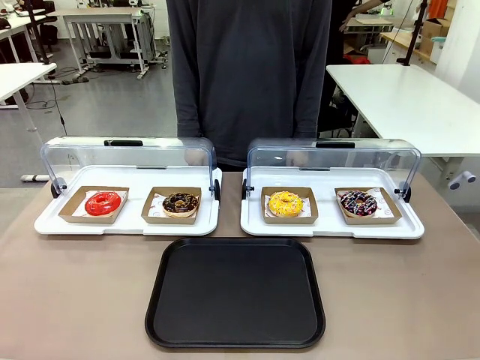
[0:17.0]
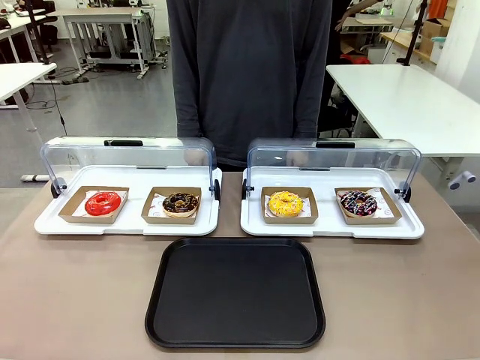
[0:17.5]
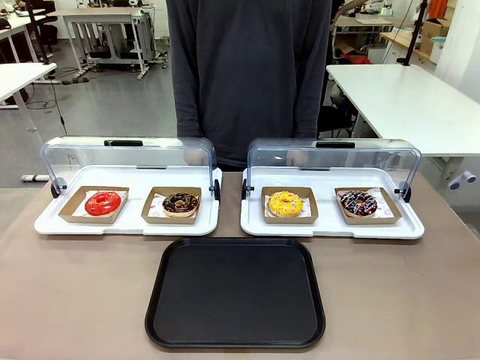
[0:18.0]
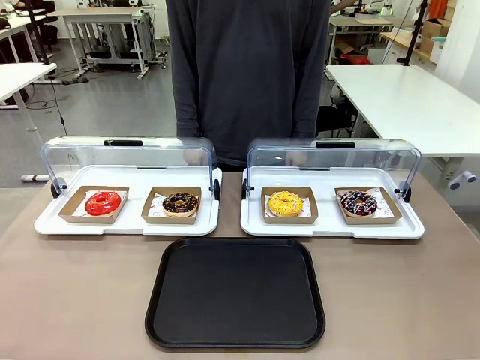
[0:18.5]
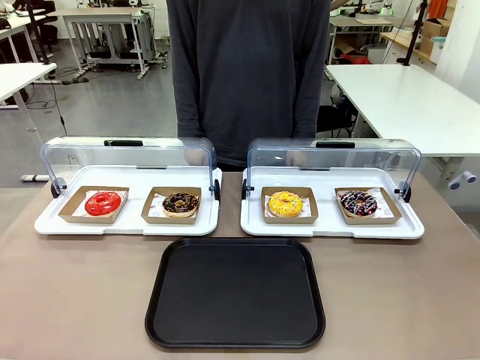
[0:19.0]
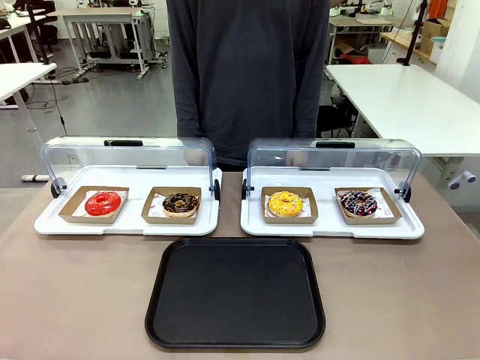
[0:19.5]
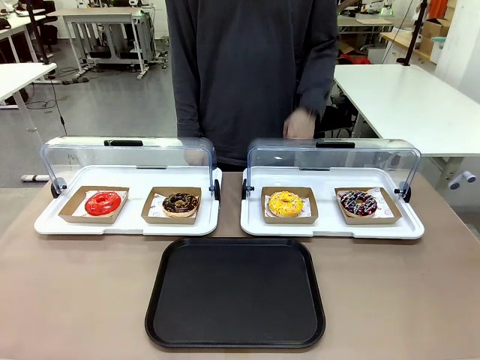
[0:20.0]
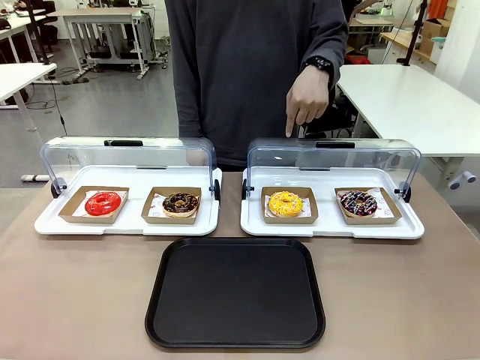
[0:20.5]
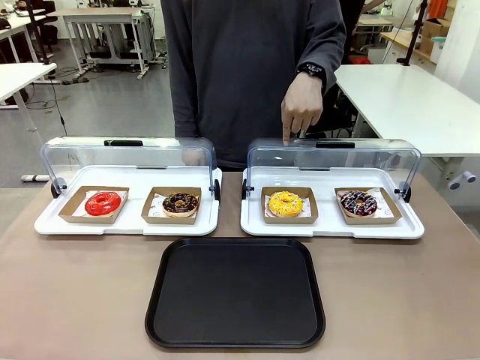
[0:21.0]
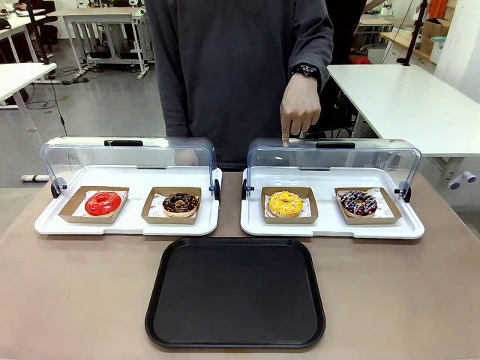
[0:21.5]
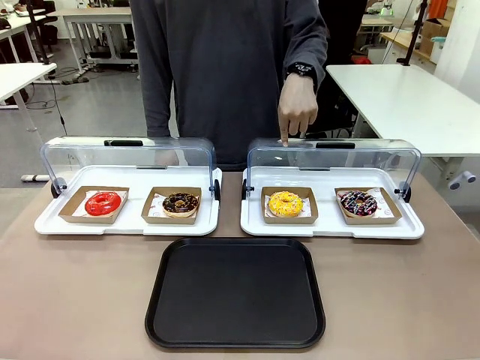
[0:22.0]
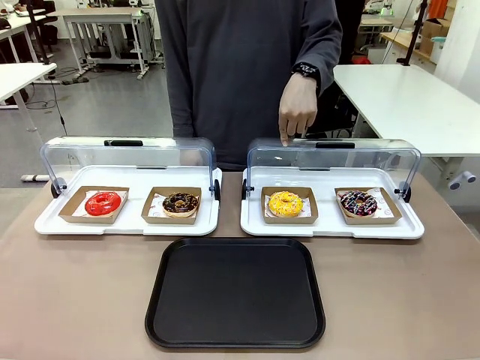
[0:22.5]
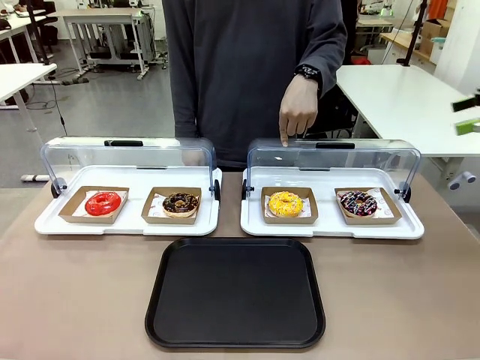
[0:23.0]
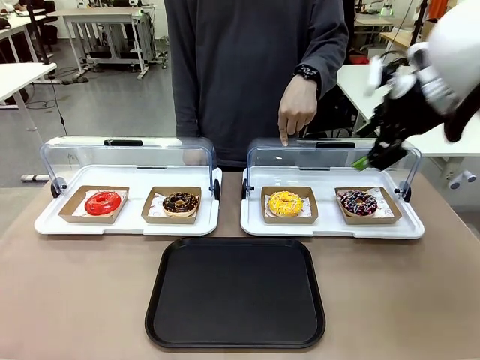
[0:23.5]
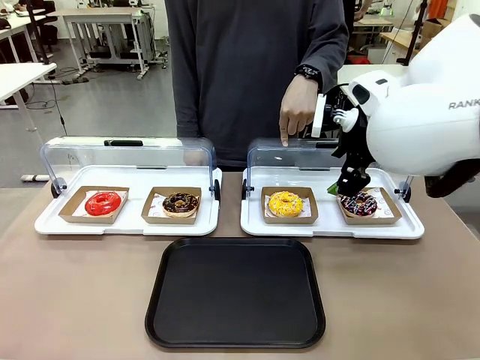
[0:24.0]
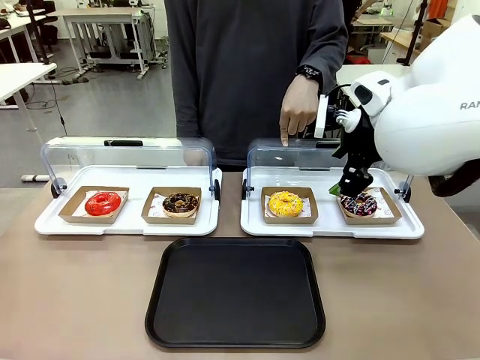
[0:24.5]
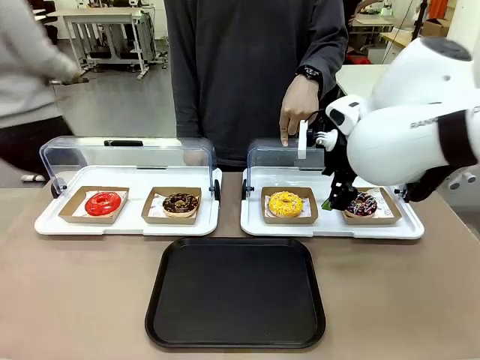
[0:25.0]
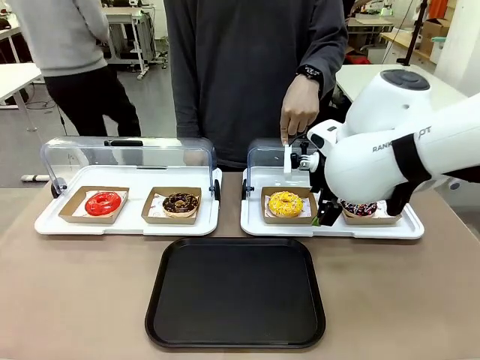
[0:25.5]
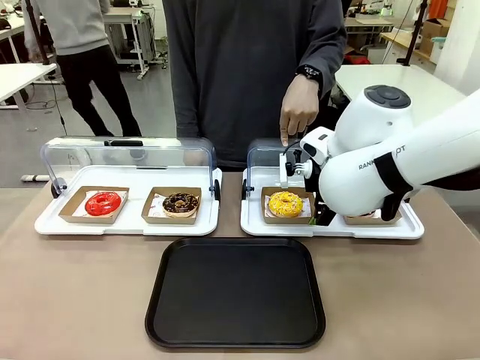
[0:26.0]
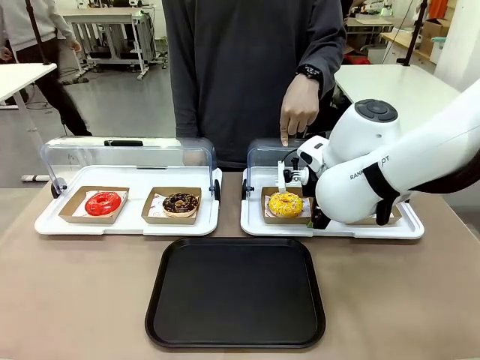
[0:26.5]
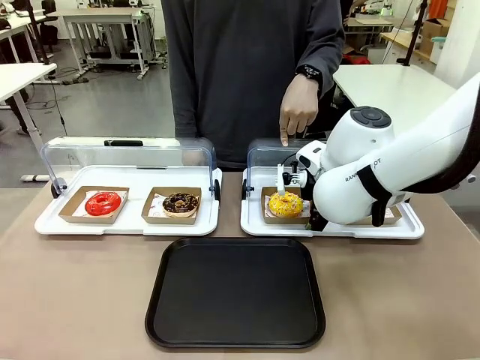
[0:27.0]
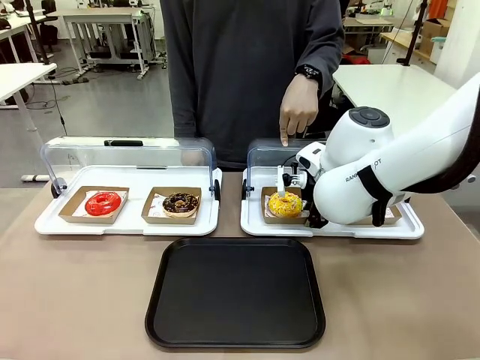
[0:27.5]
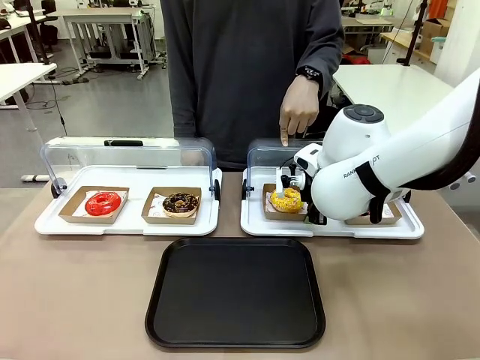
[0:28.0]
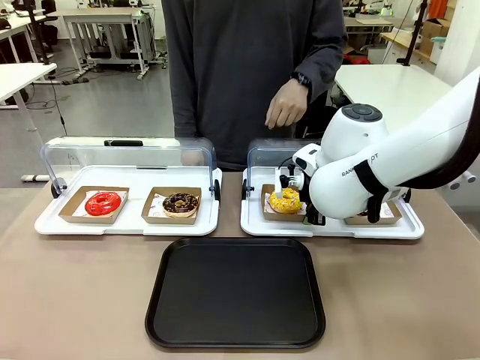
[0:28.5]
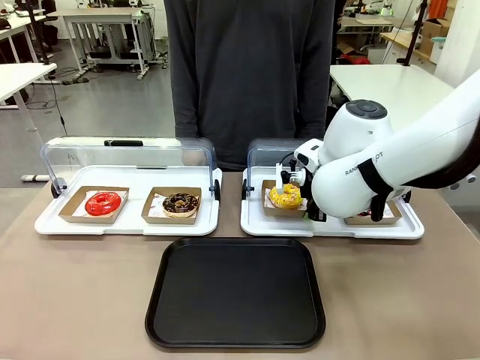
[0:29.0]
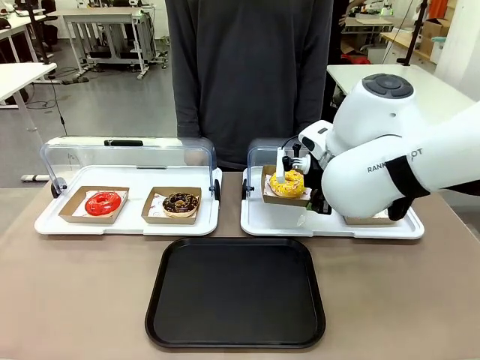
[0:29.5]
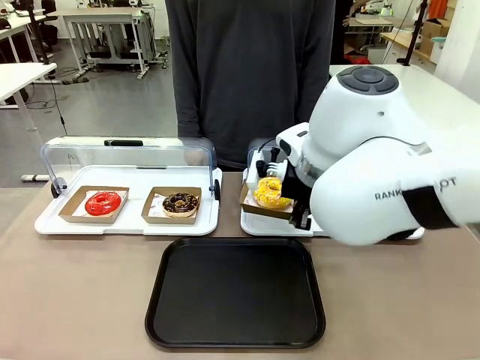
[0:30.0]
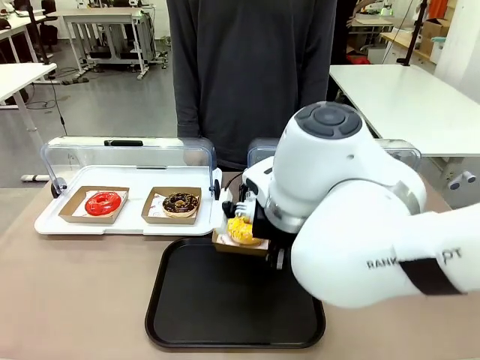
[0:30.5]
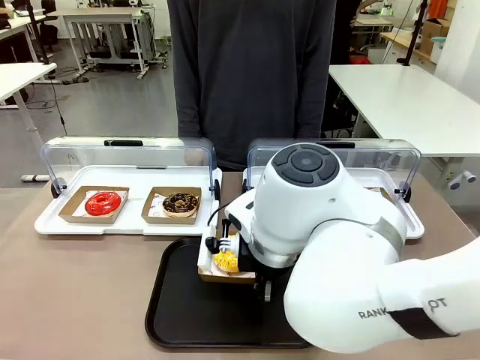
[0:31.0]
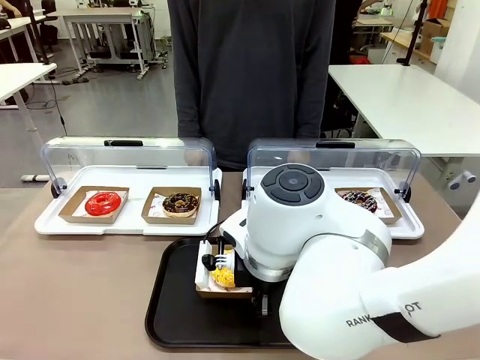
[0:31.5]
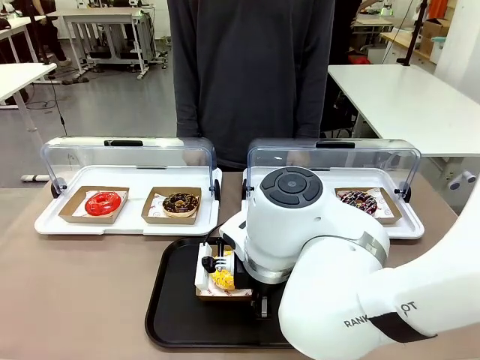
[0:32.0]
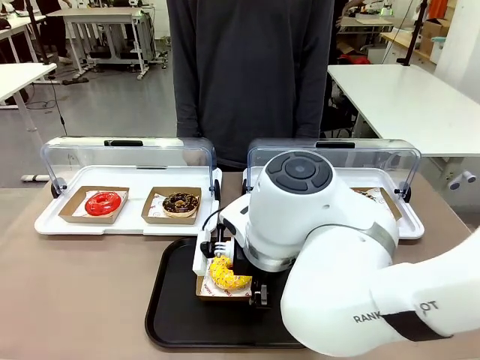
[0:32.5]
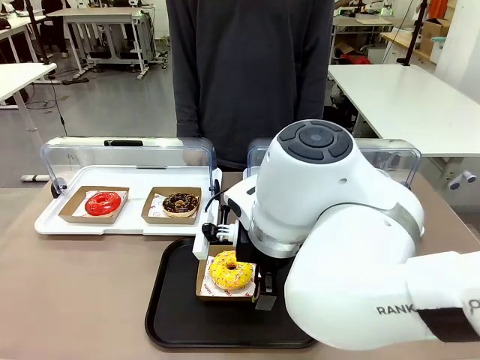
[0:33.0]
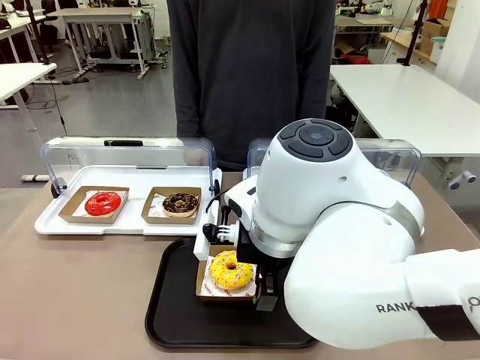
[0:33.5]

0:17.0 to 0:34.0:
Task: Move the third donut from the left to the tray.
Robot: Pick up the Paper togo box containing the Donut indicated by the person and place it on the Handle tray.

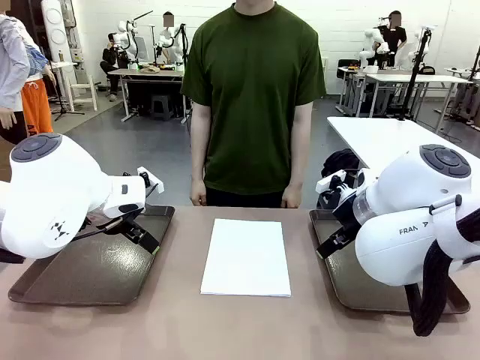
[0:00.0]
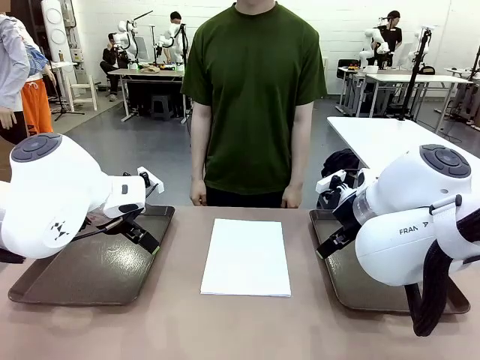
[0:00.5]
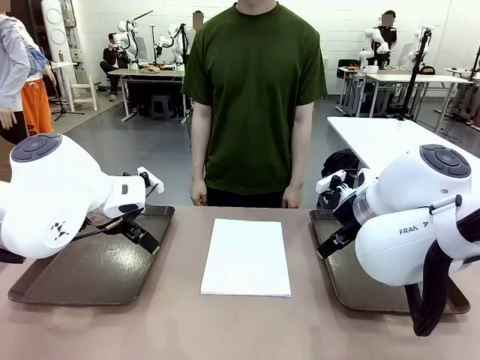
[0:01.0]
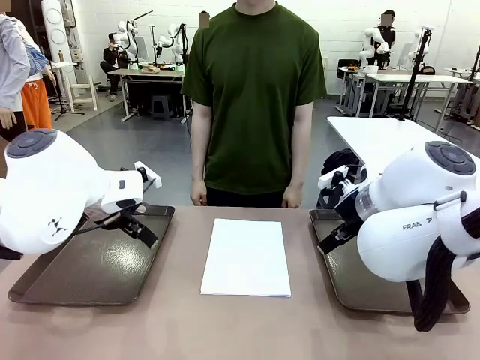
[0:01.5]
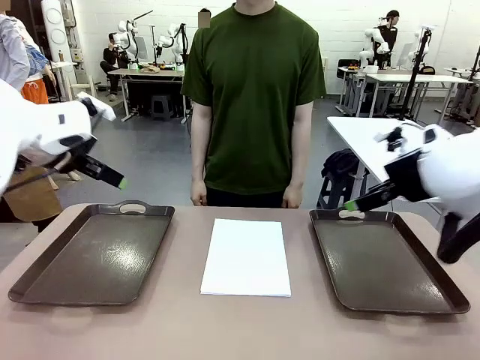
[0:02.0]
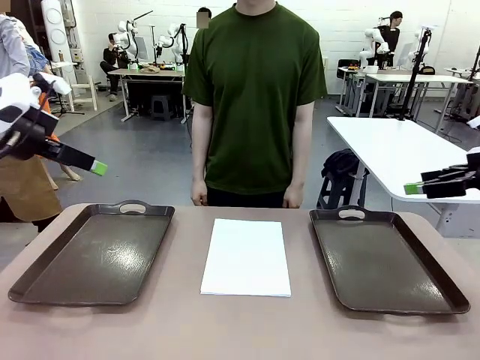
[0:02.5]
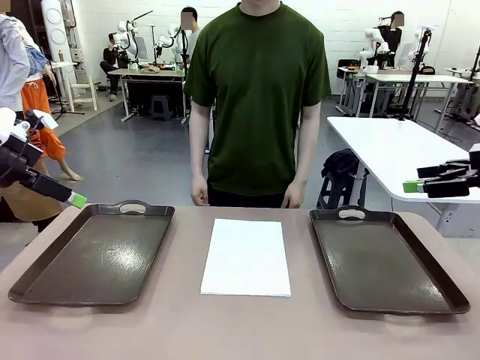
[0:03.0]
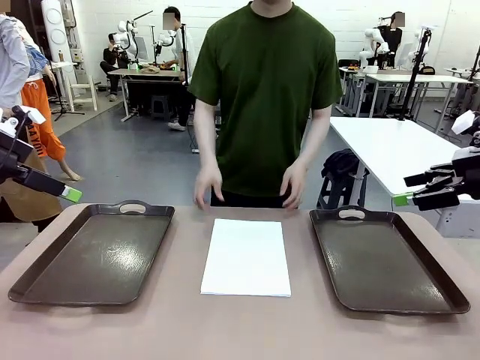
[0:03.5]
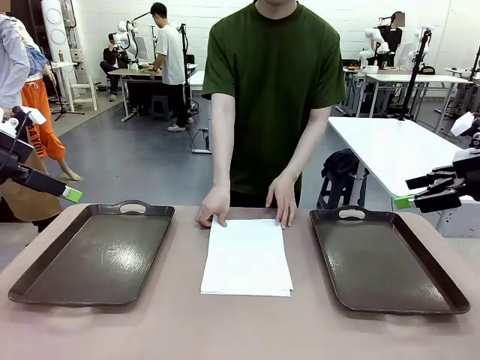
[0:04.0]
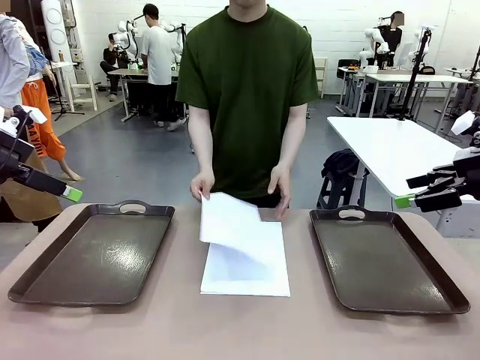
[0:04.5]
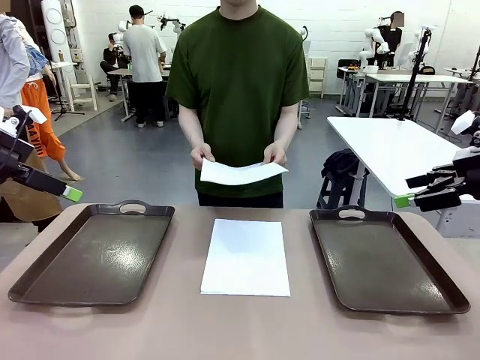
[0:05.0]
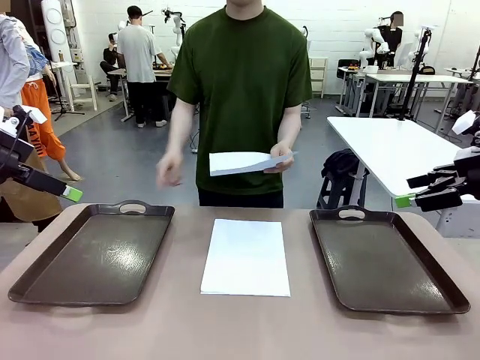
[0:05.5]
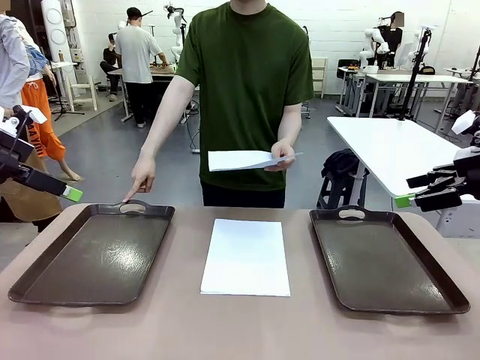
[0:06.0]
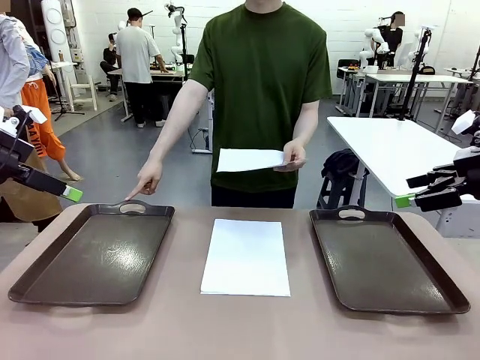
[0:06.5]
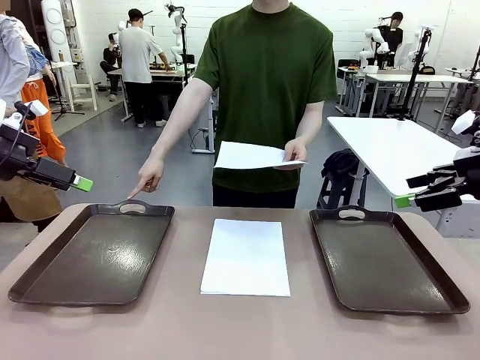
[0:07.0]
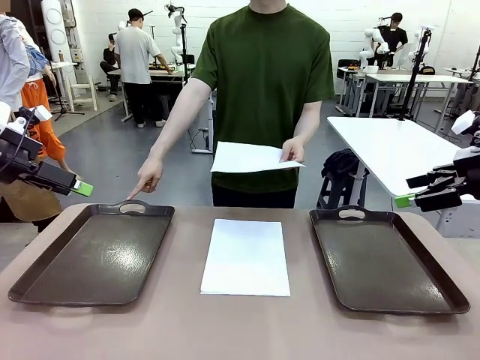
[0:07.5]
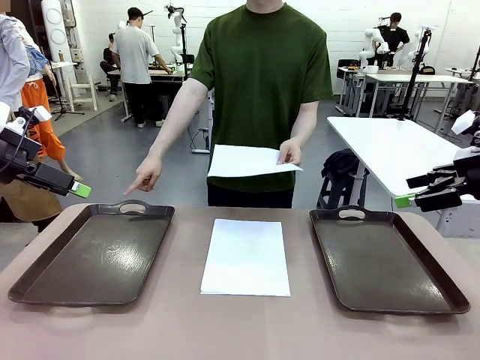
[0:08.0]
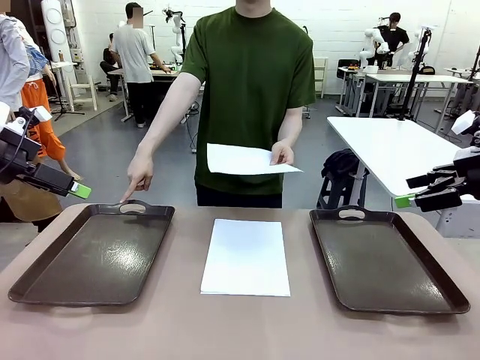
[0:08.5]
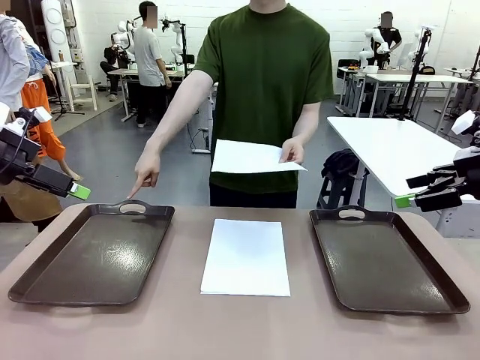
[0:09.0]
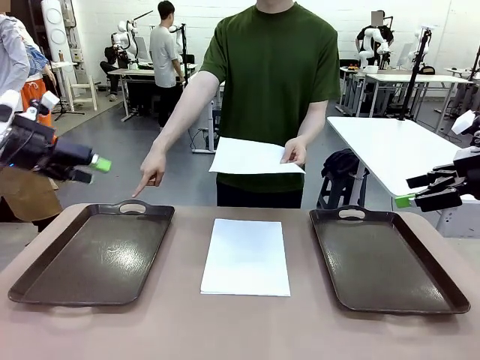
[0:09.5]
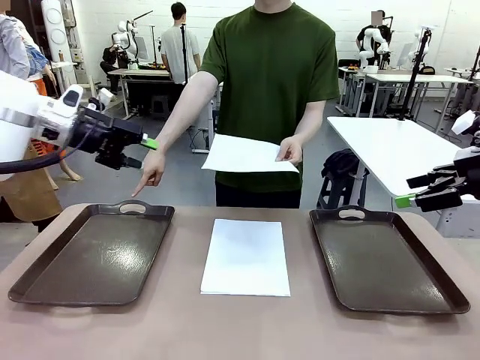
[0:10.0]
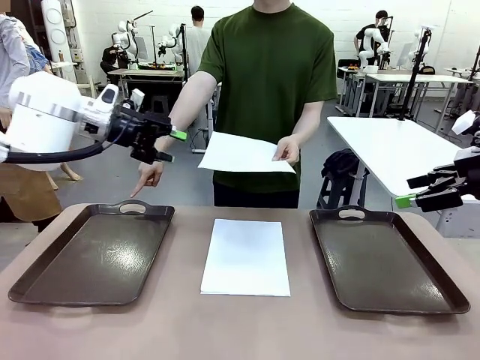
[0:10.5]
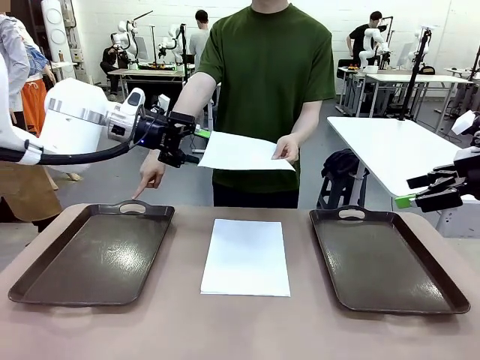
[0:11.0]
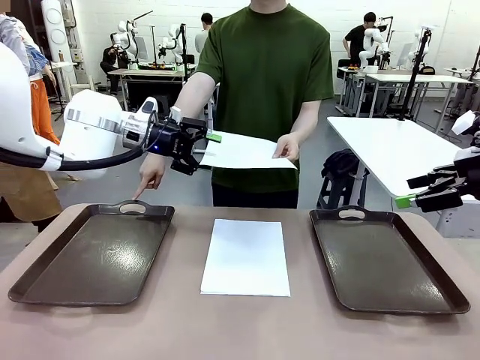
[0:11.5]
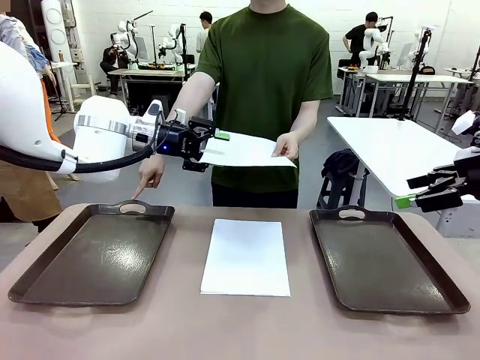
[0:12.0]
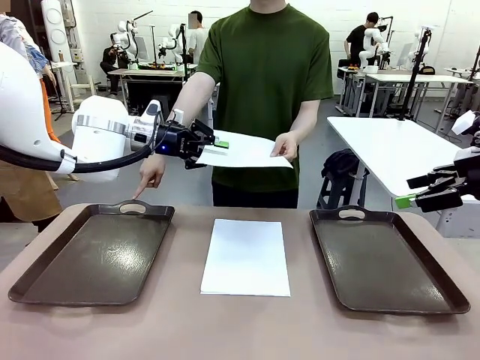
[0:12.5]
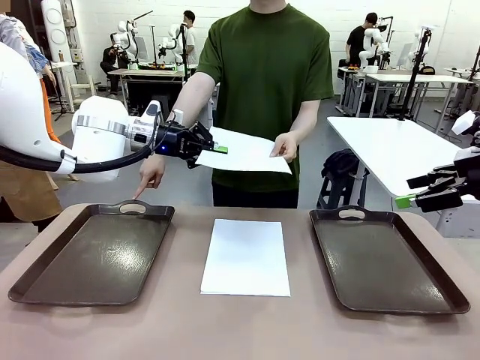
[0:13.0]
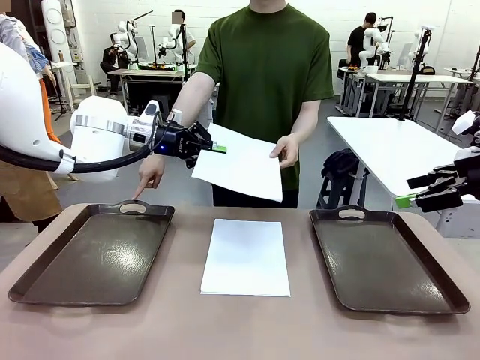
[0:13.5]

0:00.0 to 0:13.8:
Task: Sort the A4 documents.
Robot: Receive the A4 Paper.
Person: Pick up a sheet of paper from the center of the table and hand it to the robot. Point the randomly selected tray with the other hand.
